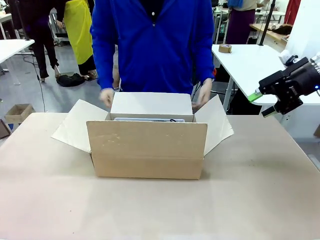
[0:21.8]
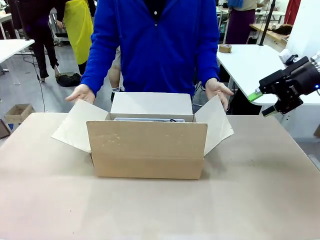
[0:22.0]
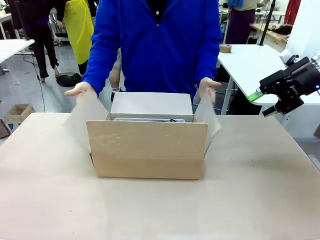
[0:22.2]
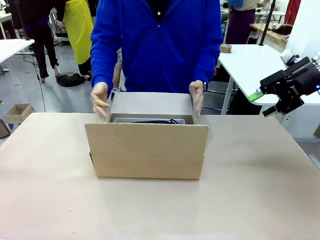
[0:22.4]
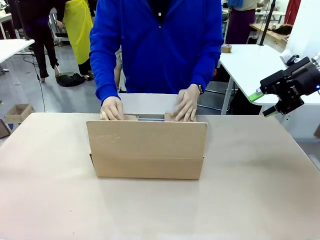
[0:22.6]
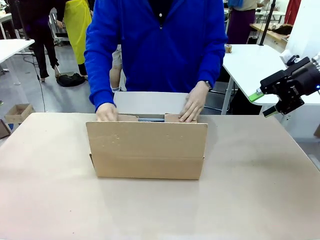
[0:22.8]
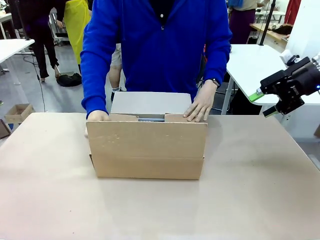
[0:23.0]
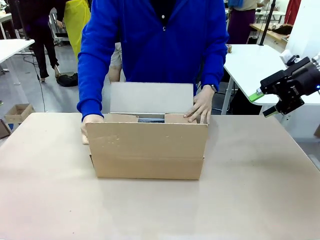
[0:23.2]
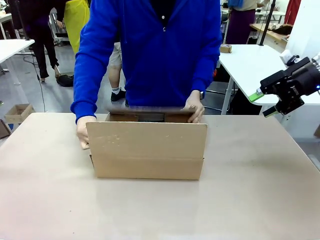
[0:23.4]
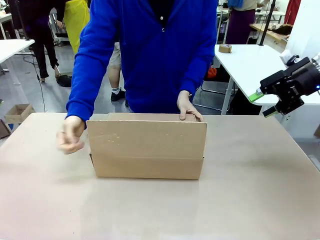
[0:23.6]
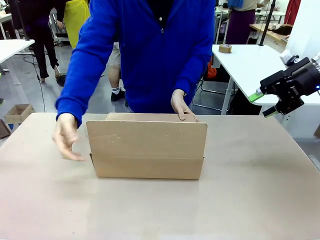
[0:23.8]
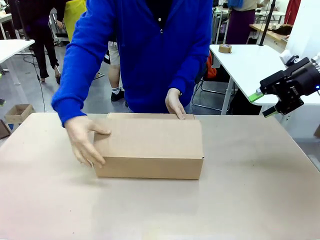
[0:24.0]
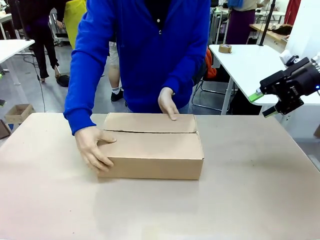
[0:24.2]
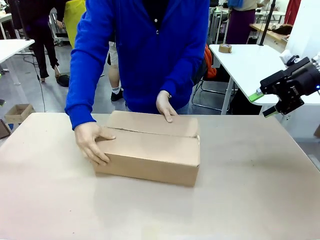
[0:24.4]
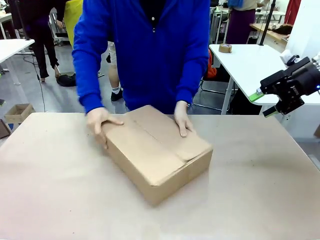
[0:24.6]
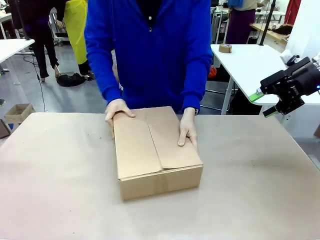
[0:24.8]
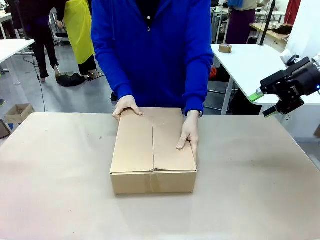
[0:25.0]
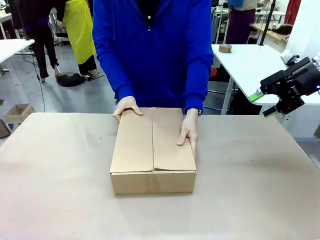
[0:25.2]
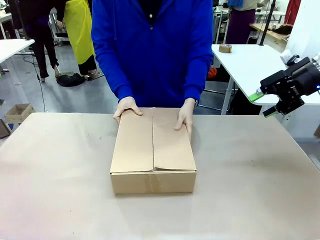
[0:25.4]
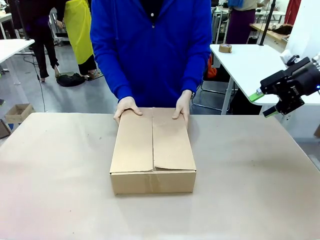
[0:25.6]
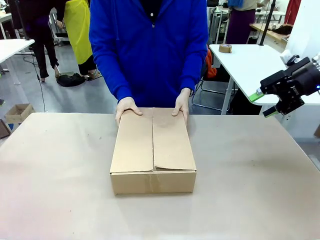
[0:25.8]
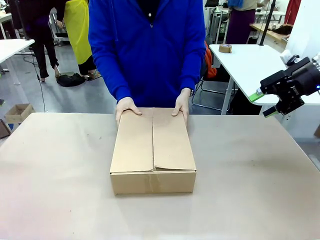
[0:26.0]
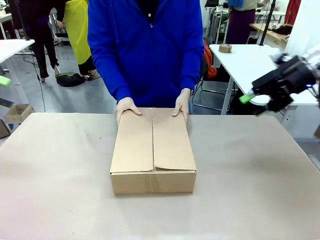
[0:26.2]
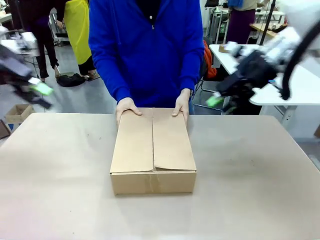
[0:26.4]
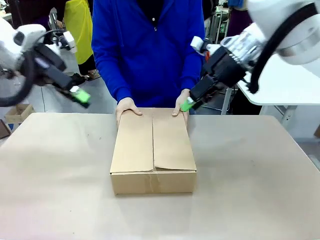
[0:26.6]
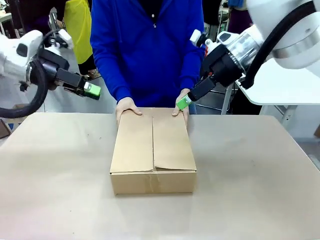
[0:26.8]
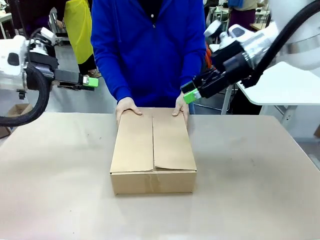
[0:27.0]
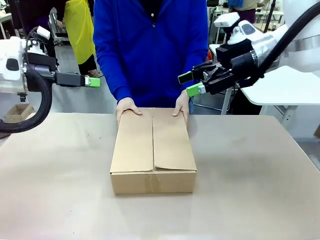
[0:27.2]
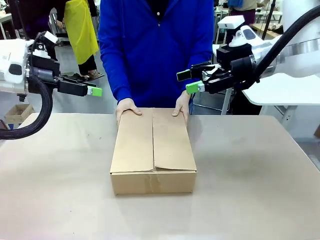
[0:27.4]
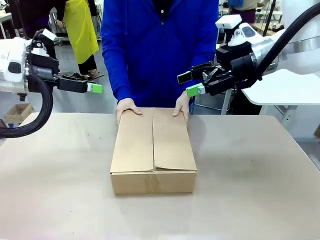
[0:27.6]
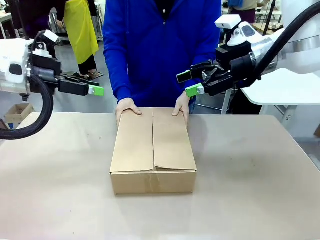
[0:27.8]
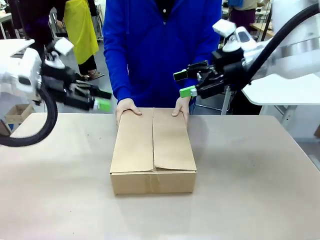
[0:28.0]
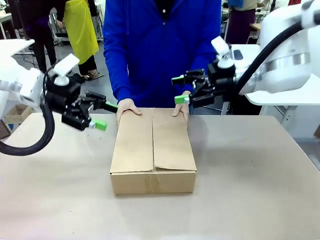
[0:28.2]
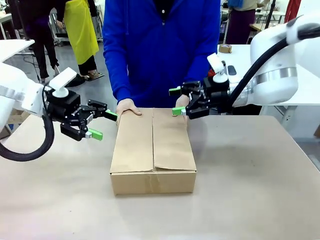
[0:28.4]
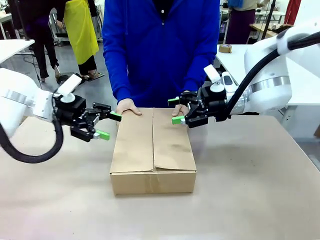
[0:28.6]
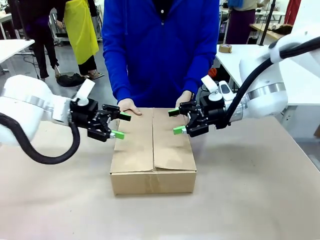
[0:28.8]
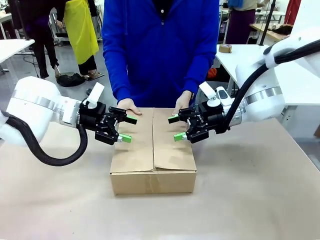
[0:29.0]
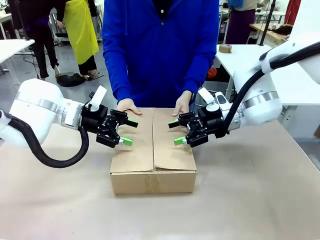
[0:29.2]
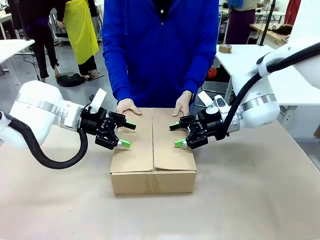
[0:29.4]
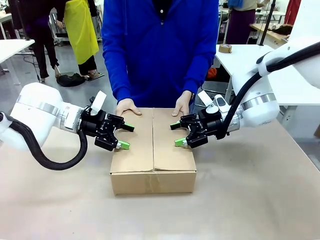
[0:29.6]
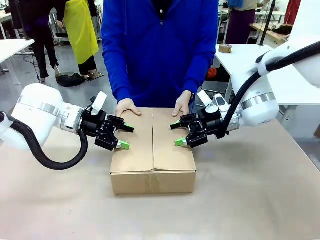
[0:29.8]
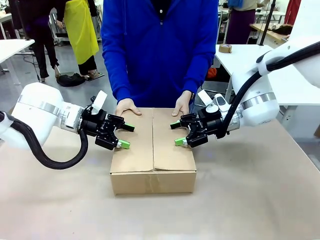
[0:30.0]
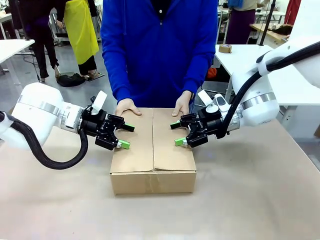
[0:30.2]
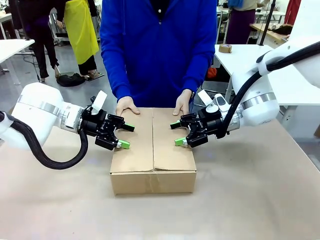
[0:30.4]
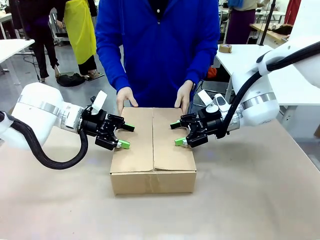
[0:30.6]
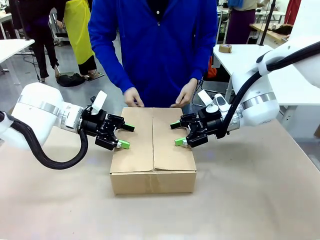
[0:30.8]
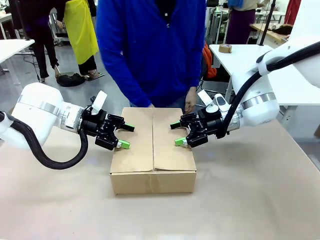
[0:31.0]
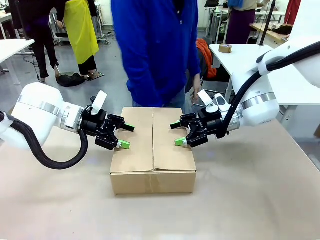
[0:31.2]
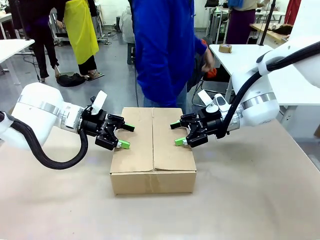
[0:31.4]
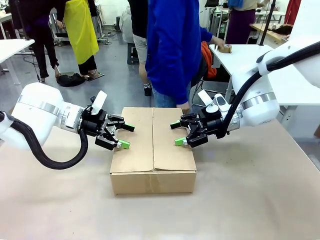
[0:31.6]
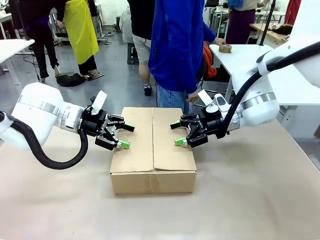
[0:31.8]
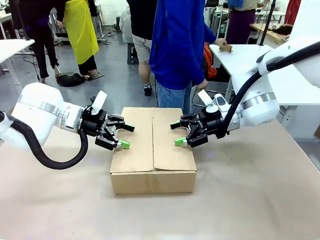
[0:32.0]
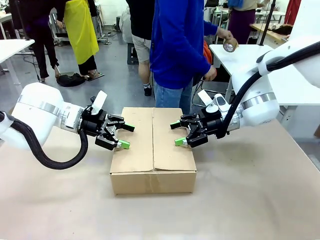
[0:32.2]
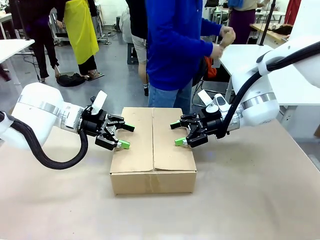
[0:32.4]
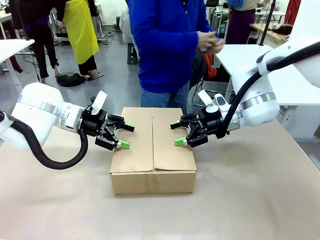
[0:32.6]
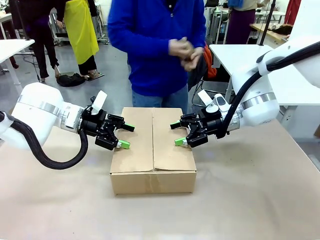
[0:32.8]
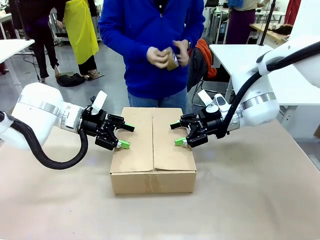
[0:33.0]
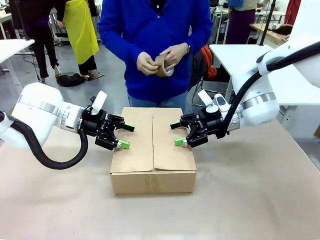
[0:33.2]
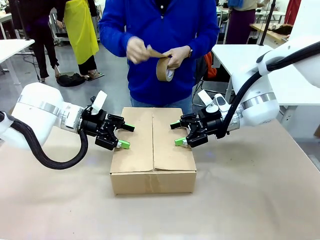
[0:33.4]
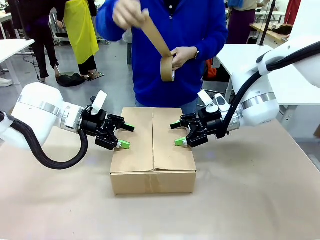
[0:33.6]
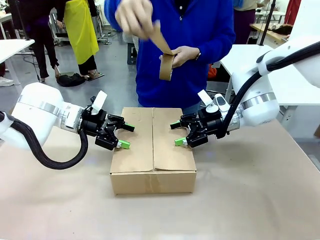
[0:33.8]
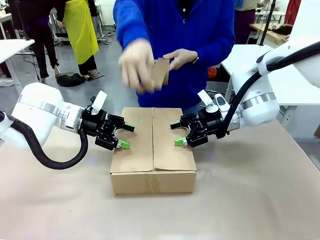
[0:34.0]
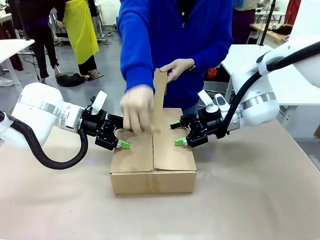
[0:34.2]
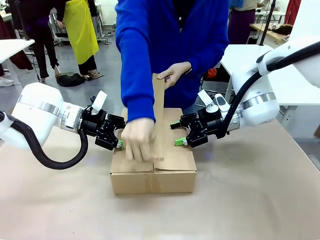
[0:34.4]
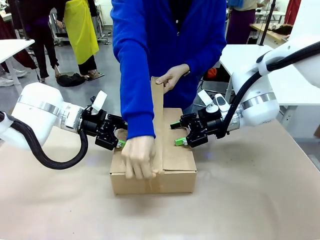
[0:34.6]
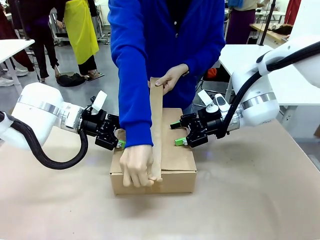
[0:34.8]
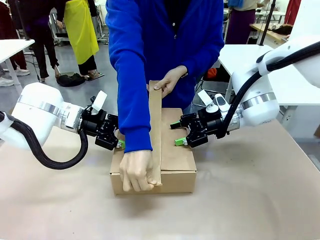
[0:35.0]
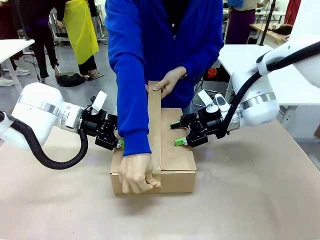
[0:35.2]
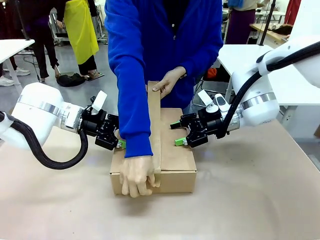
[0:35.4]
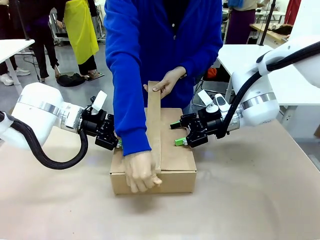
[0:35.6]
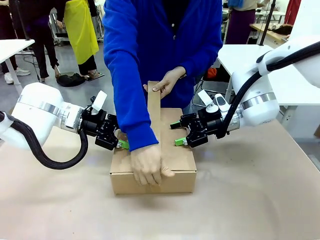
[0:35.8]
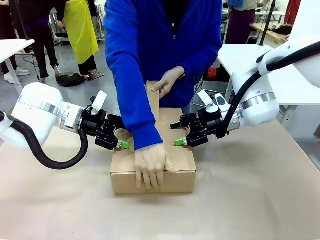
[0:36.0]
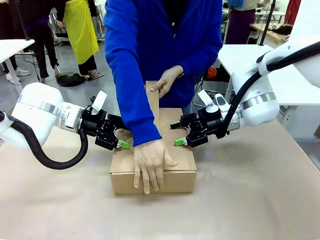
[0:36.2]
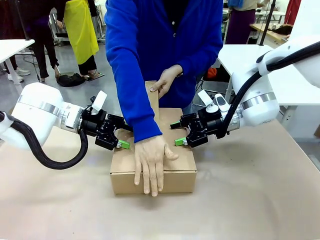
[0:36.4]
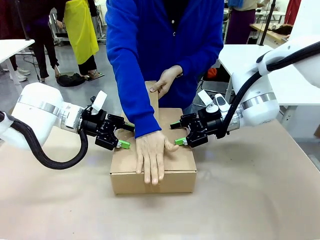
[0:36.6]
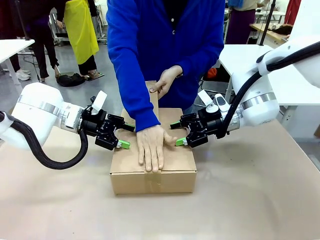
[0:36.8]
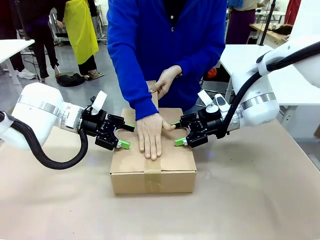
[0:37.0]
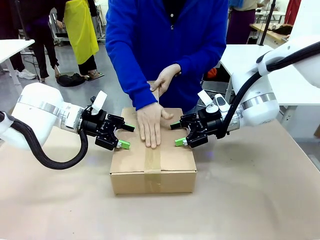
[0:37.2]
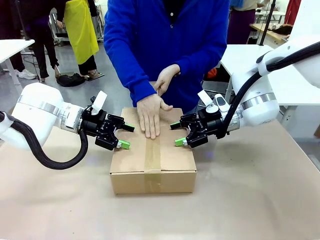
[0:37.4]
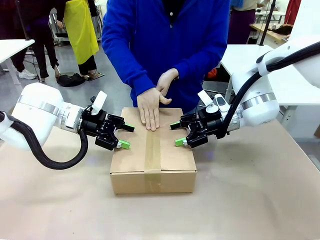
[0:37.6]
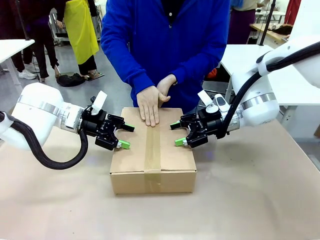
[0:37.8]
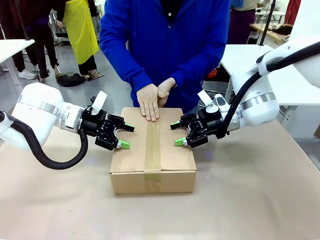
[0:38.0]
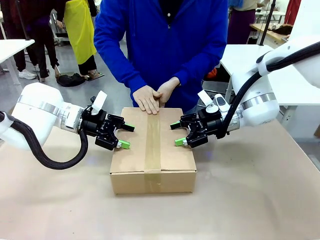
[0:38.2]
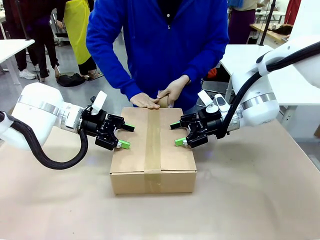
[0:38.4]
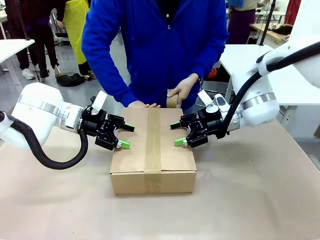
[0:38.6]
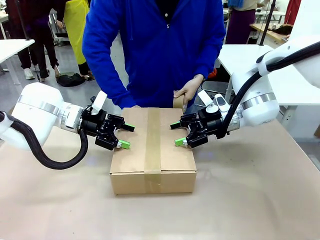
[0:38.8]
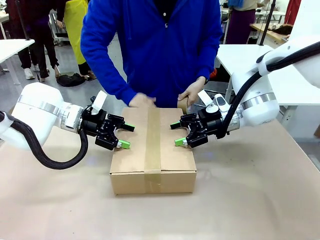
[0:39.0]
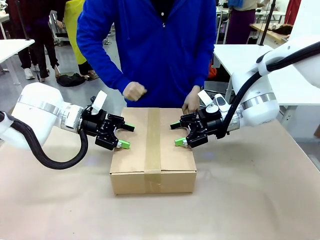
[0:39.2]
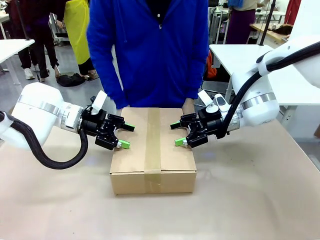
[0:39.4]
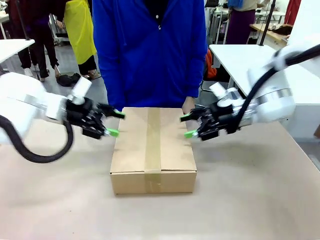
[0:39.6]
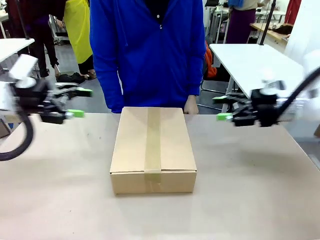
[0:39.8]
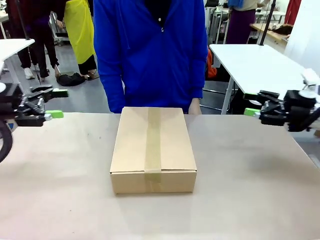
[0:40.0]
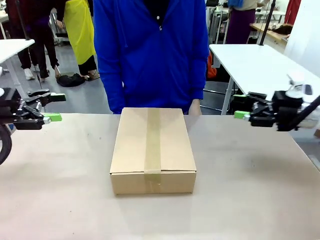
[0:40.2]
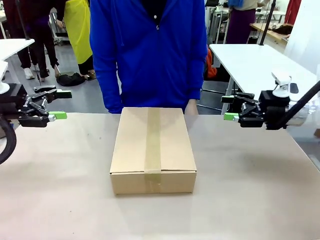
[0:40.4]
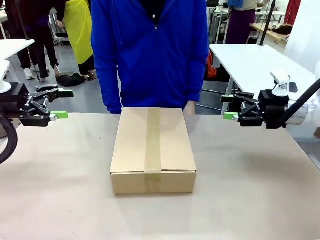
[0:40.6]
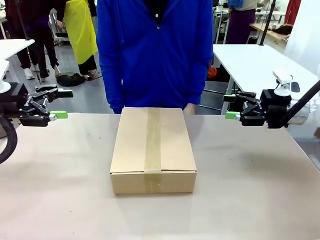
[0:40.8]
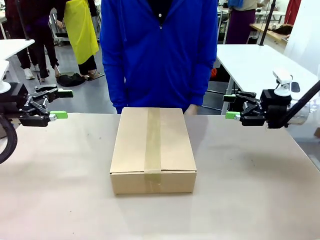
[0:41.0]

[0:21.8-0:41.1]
Task: Pack the gift set into the box.
Robot: Press and hold the closed box until the human finishes sealing it.
Person: The human closes the box and rotates the box by 90 degrees. The human picks up the paper tape from the human table and packs the box.
